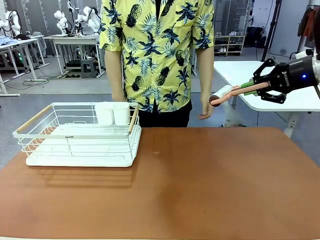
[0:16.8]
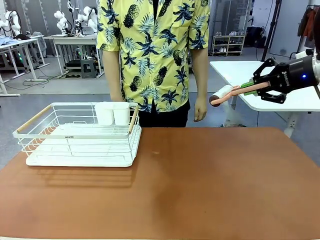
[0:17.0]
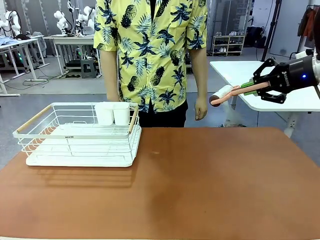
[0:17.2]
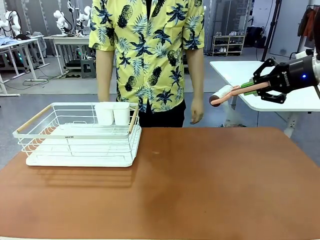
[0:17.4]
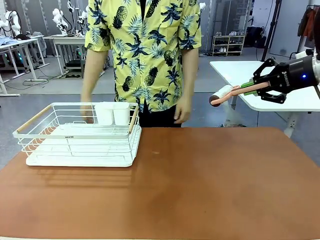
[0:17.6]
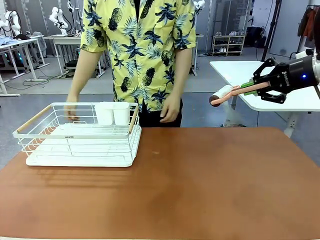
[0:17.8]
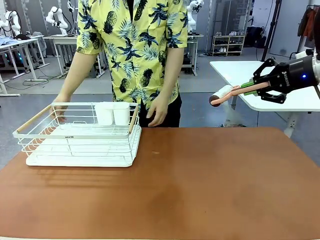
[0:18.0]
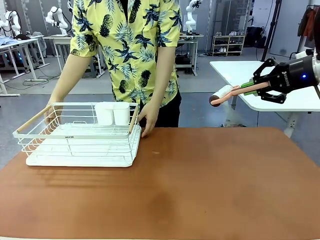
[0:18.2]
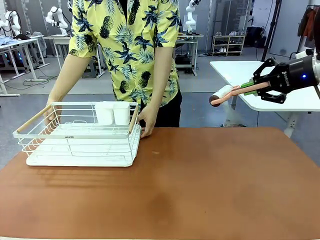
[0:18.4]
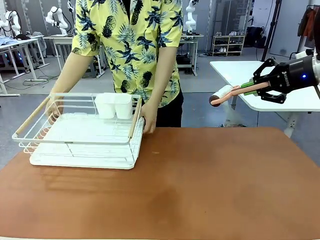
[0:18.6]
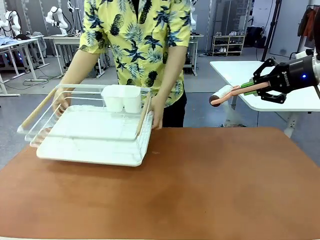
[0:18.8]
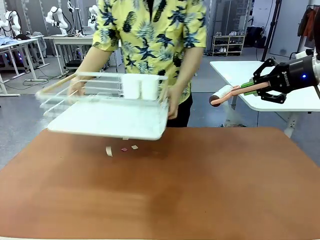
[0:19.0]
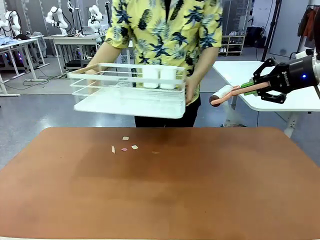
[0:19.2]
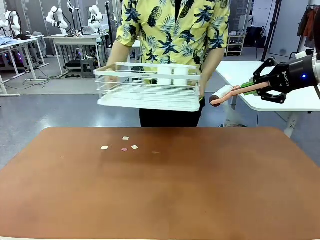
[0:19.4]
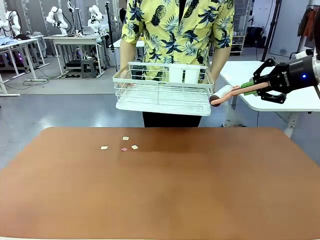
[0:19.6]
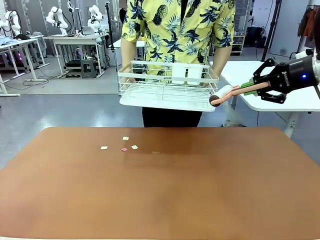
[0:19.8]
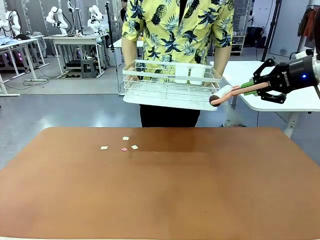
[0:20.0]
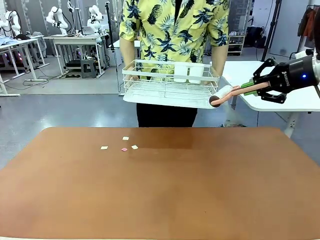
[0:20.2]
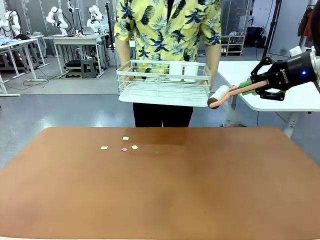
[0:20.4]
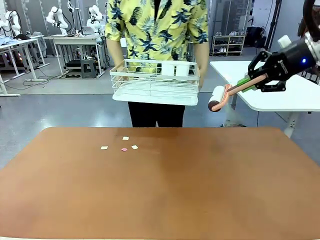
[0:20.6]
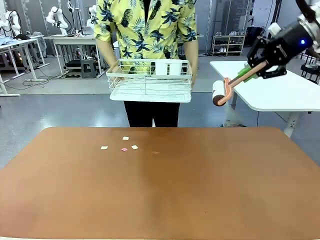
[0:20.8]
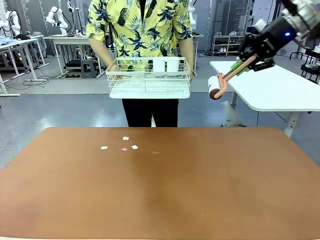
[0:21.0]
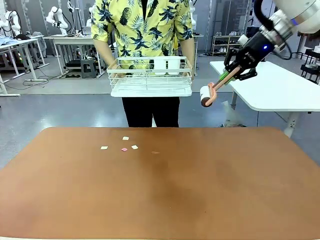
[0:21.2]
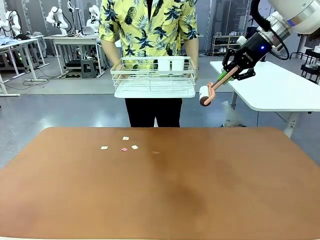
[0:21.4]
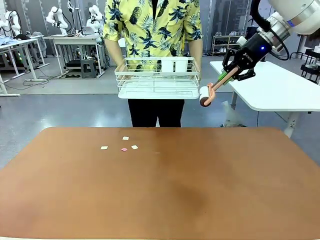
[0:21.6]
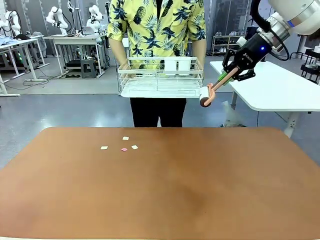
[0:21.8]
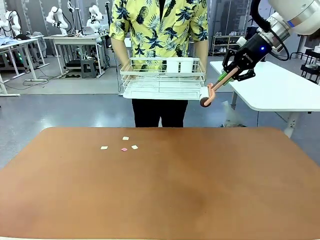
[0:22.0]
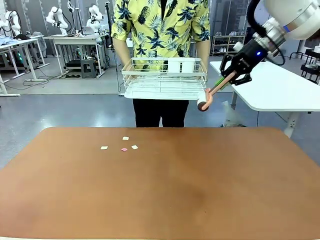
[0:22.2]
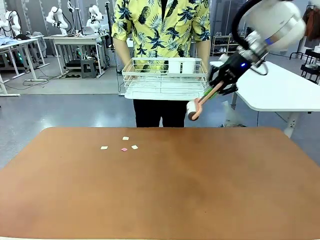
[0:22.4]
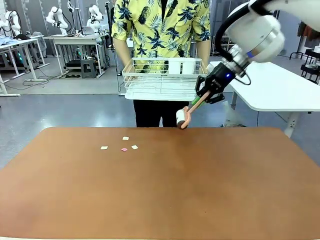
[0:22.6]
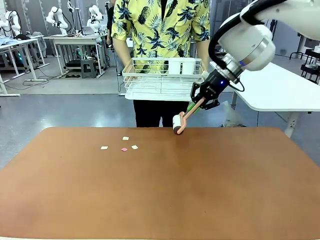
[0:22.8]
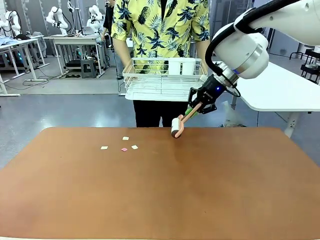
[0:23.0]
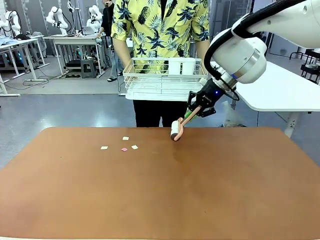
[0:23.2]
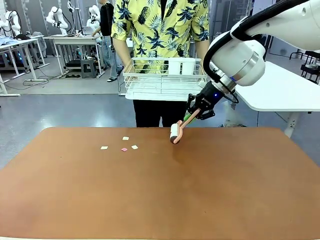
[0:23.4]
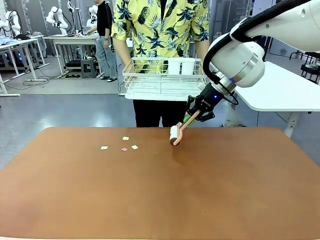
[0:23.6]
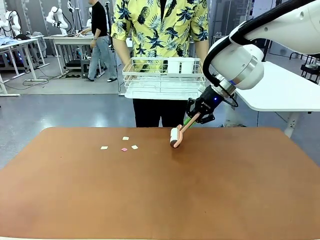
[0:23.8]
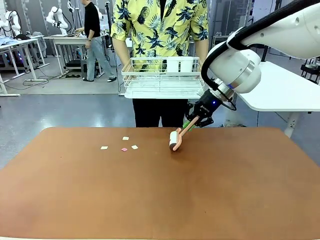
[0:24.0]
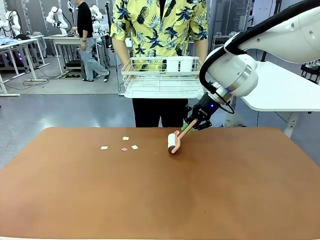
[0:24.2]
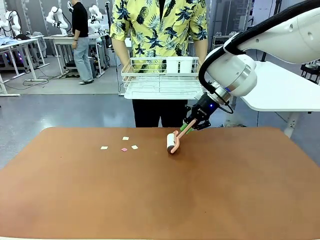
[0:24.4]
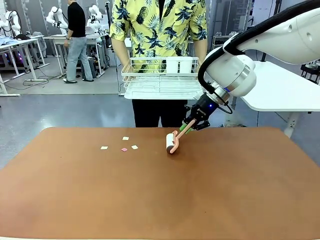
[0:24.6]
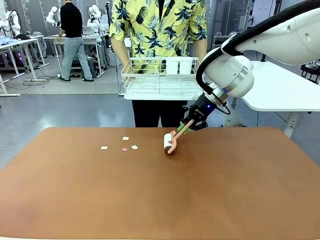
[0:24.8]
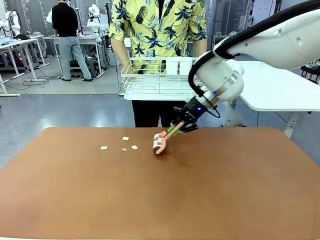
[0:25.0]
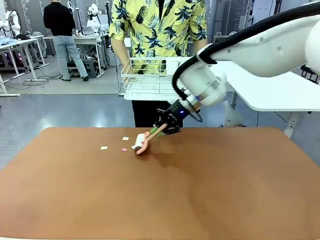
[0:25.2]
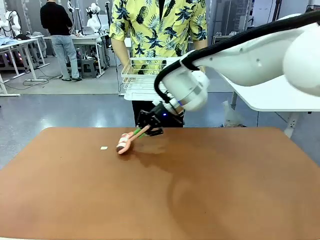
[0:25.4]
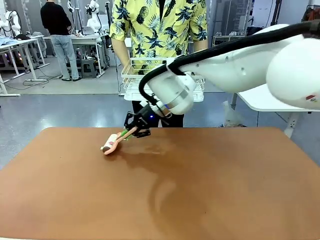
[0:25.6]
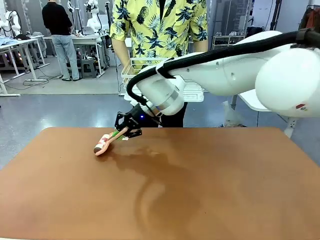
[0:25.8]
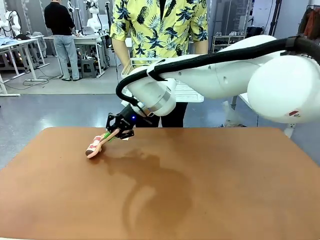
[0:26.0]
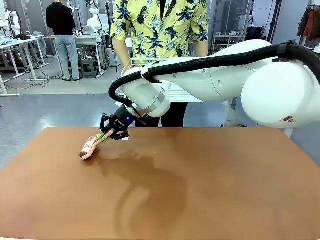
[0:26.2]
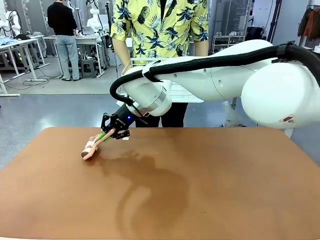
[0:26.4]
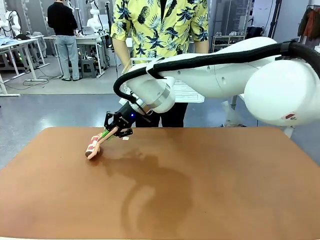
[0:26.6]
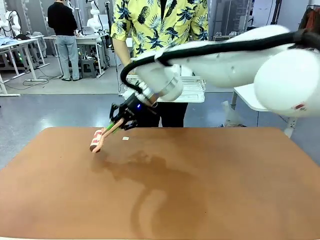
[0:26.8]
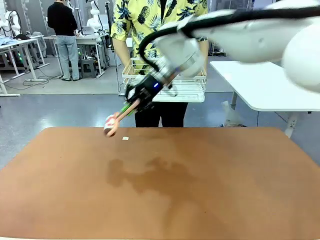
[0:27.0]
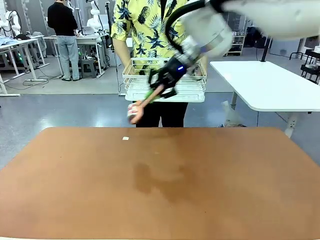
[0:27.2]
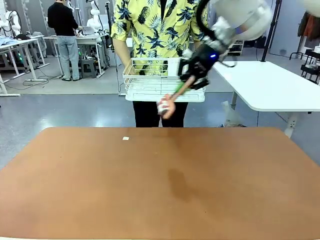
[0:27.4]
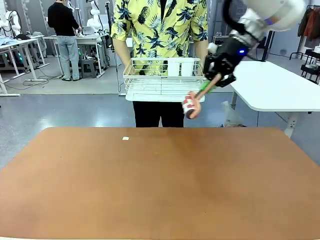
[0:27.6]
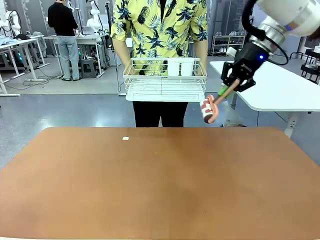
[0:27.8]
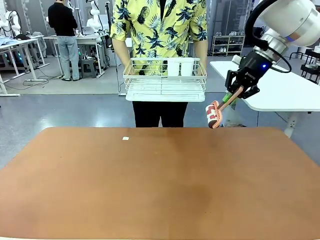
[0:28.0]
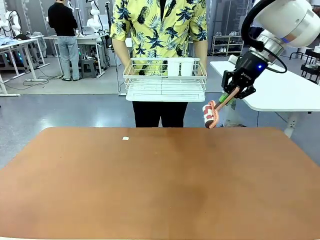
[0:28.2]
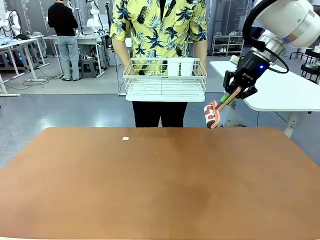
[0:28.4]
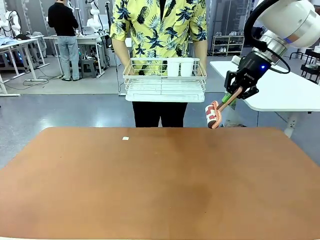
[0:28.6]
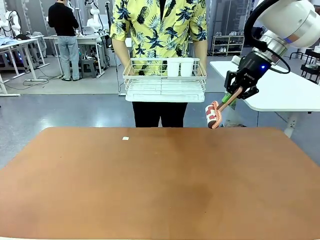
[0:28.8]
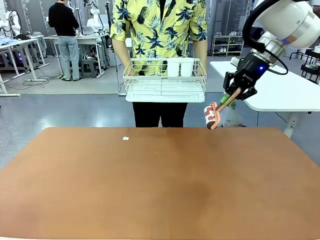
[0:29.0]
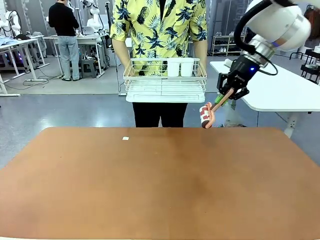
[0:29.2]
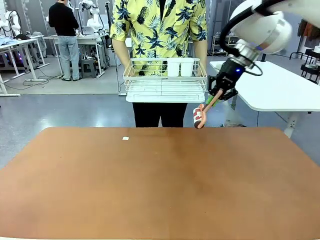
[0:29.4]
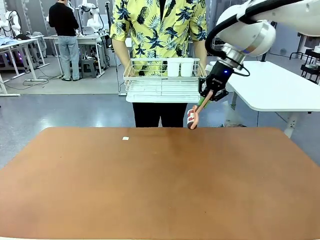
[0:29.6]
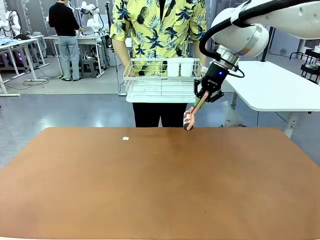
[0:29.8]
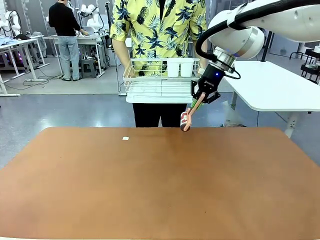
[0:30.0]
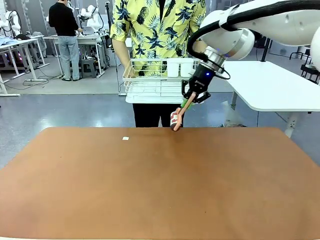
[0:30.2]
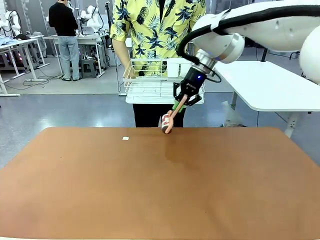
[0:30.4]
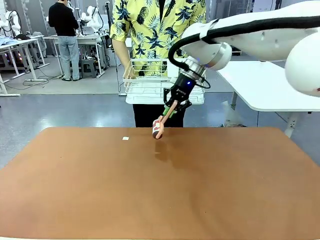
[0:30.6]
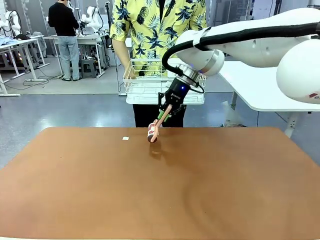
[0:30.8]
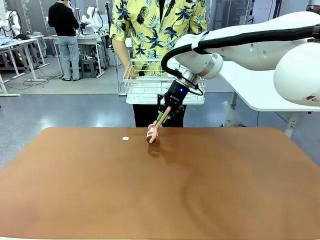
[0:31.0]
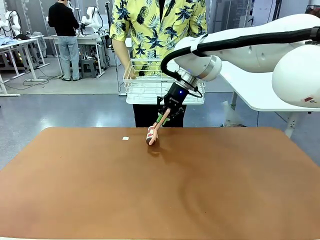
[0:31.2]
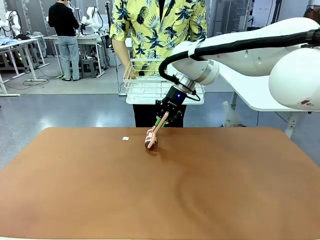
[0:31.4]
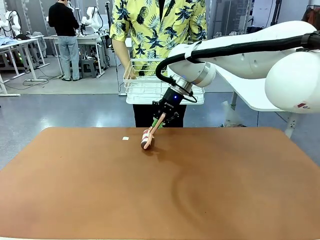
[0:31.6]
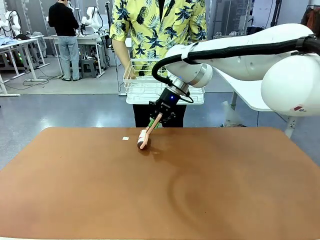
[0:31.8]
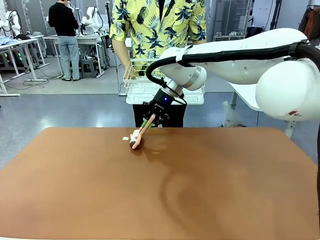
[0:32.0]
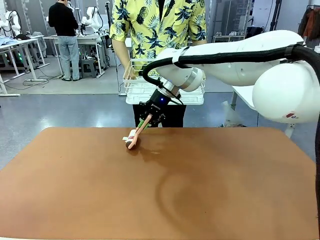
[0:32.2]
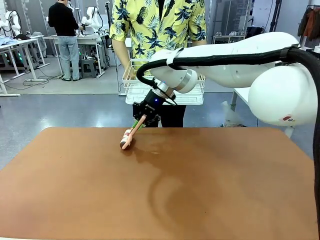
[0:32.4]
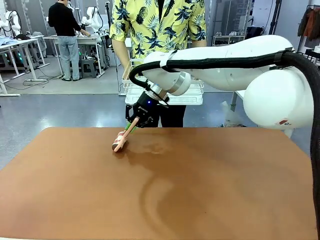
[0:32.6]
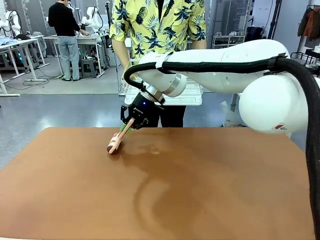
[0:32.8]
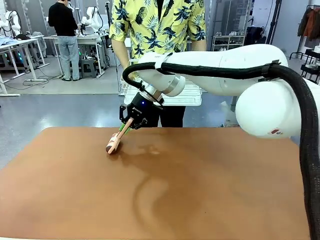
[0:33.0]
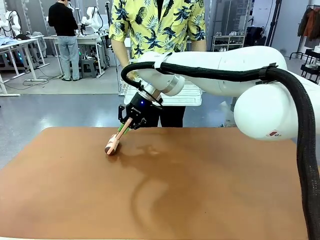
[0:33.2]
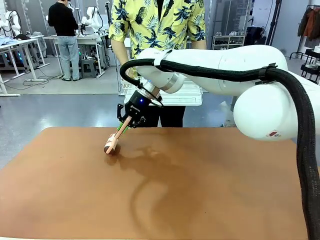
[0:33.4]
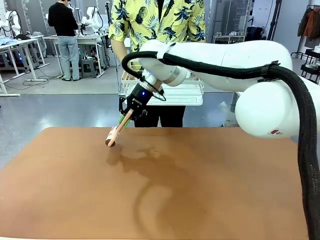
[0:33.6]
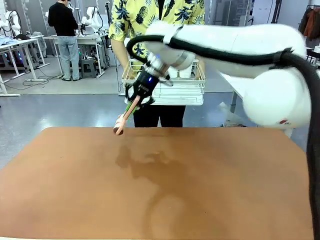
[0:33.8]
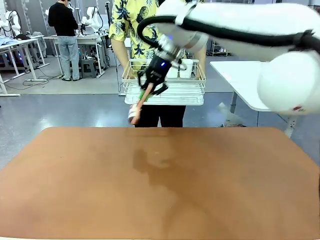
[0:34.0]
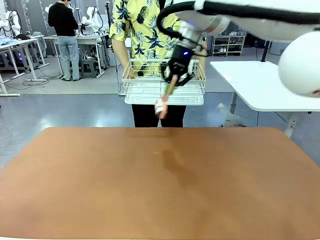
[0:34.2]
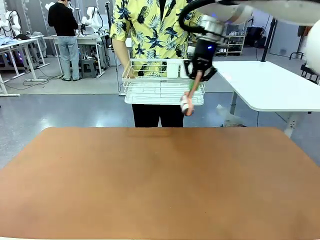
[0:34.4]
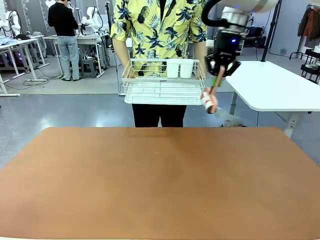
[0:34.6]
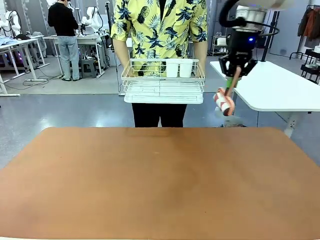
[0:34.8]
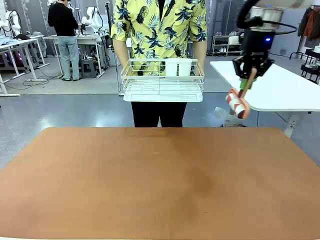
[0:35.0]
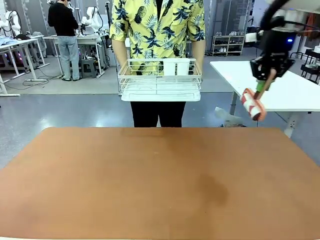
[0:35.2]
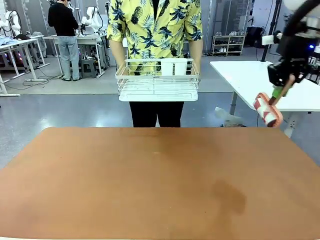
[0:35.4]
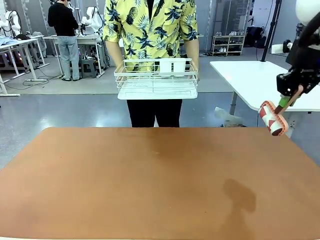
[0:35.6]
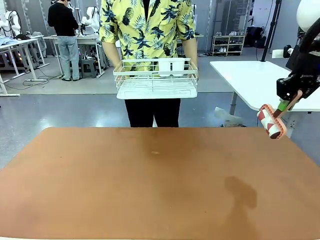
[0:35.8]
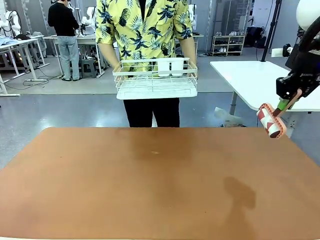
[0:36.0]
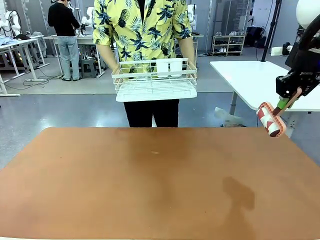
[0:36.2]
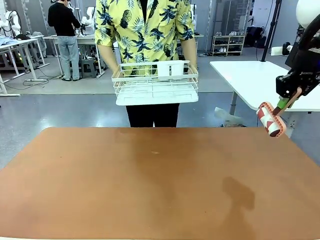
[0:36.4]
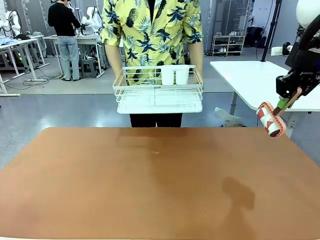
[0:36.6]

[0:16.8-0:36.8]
Task: Clean the table.
Robot: Clean the table with the Lint Roller when the human lifts the Dish drying rack.
Person: Place the Dish drying rack down when the robot finishes cleaning.
